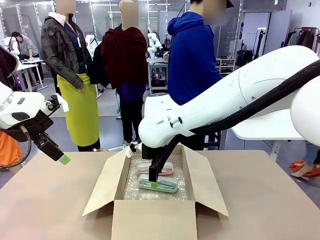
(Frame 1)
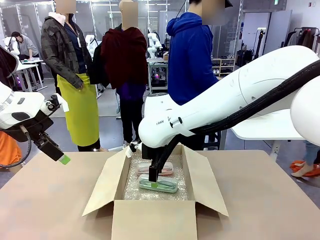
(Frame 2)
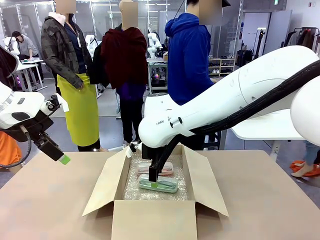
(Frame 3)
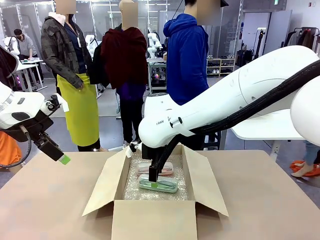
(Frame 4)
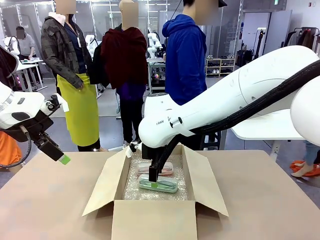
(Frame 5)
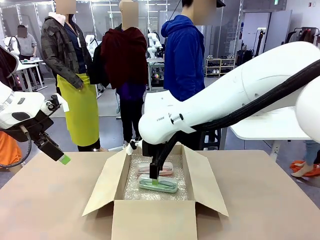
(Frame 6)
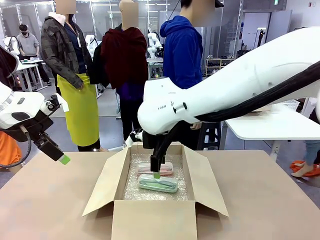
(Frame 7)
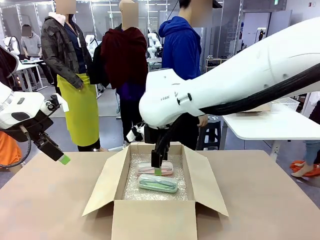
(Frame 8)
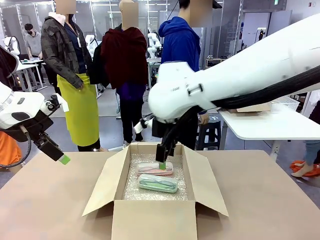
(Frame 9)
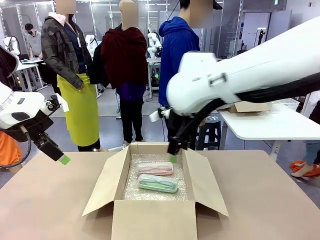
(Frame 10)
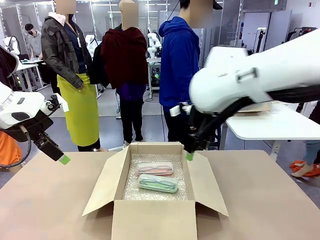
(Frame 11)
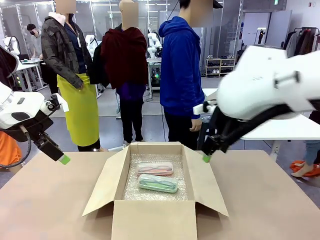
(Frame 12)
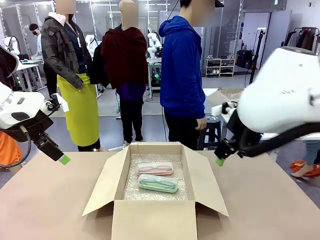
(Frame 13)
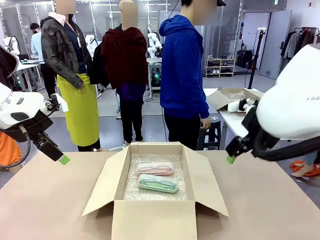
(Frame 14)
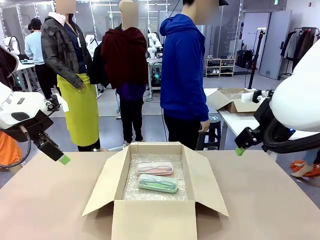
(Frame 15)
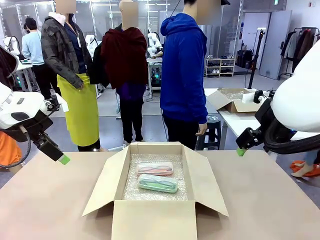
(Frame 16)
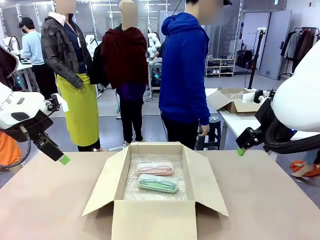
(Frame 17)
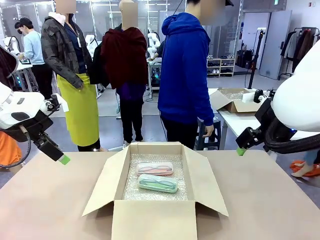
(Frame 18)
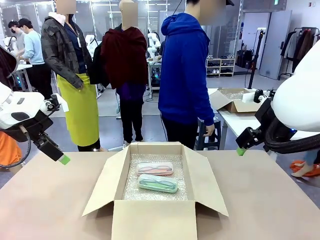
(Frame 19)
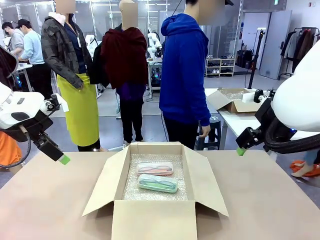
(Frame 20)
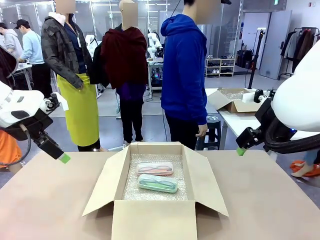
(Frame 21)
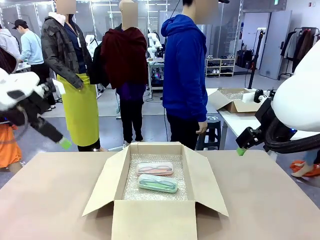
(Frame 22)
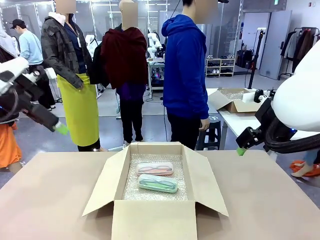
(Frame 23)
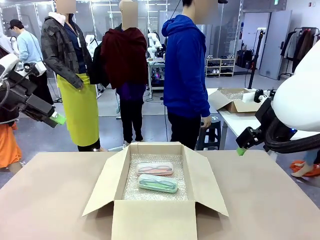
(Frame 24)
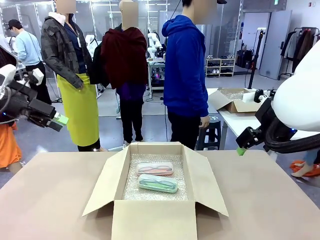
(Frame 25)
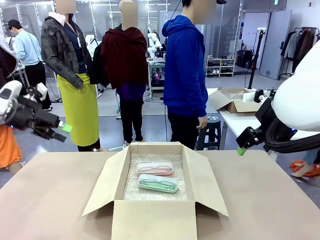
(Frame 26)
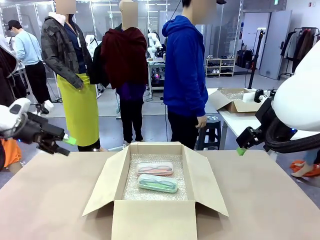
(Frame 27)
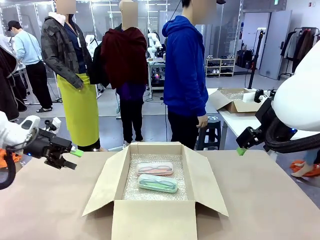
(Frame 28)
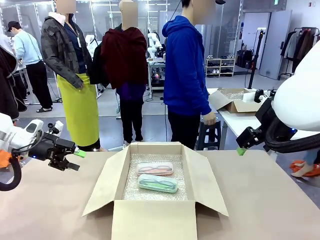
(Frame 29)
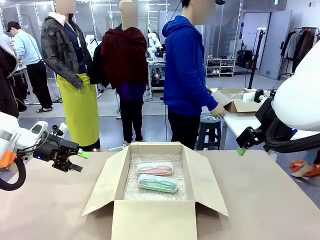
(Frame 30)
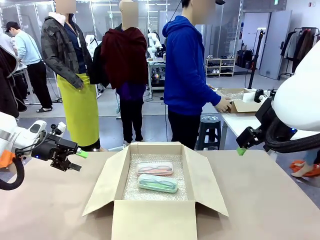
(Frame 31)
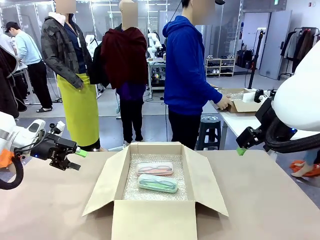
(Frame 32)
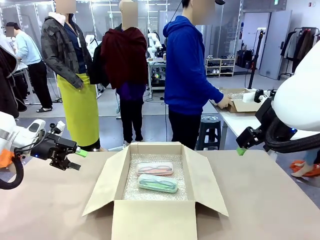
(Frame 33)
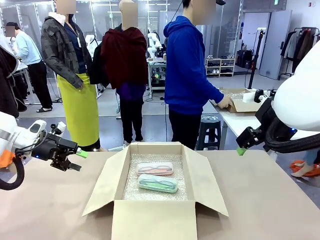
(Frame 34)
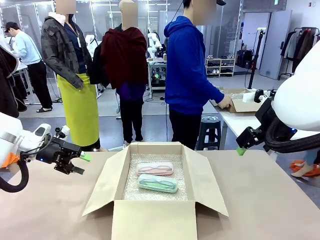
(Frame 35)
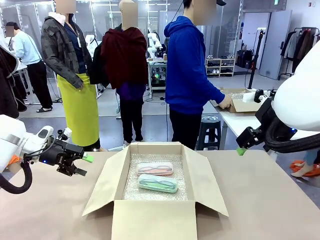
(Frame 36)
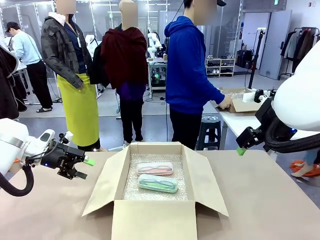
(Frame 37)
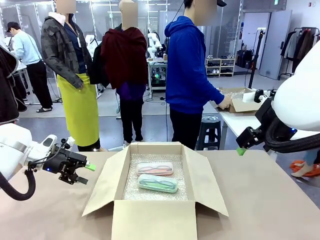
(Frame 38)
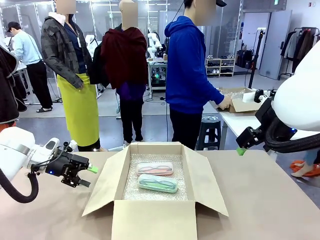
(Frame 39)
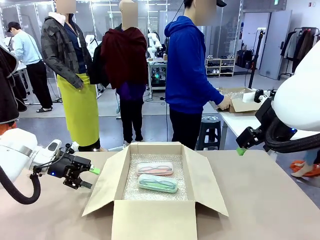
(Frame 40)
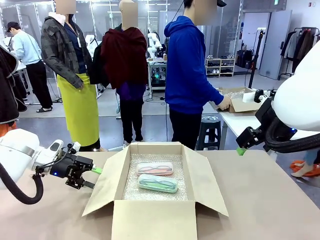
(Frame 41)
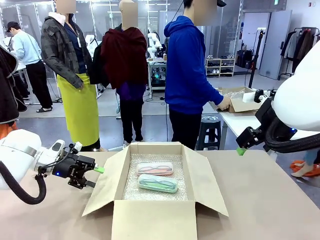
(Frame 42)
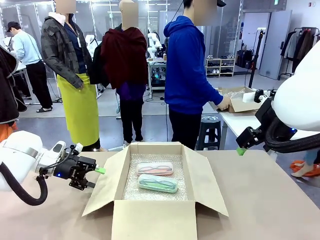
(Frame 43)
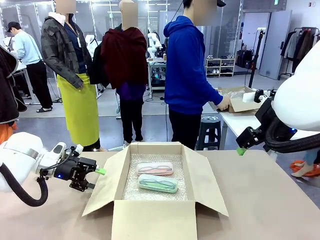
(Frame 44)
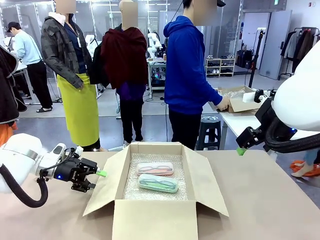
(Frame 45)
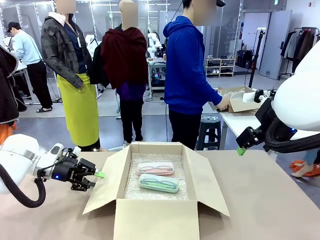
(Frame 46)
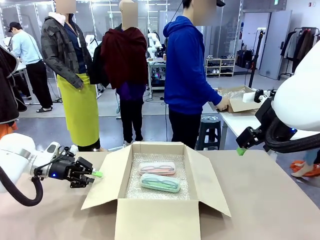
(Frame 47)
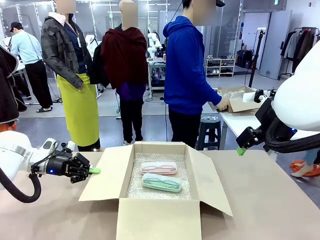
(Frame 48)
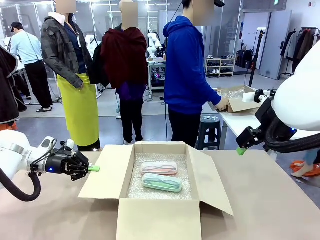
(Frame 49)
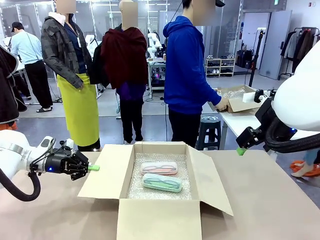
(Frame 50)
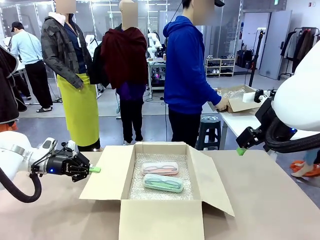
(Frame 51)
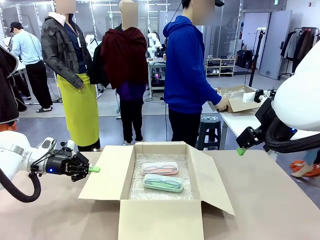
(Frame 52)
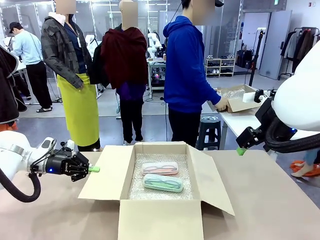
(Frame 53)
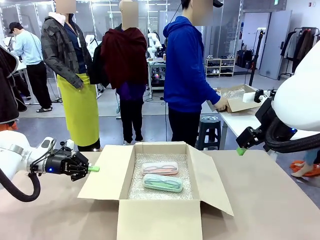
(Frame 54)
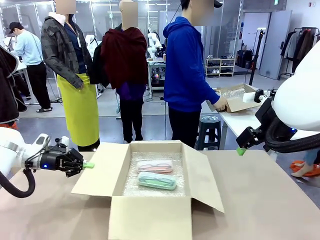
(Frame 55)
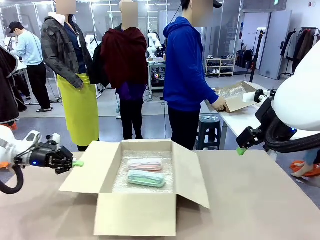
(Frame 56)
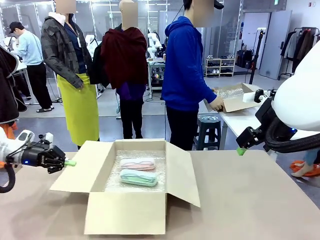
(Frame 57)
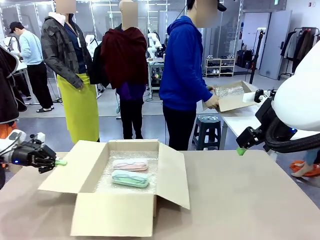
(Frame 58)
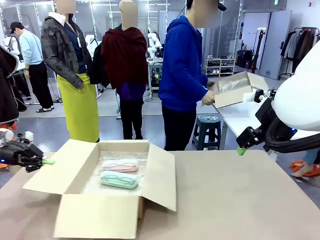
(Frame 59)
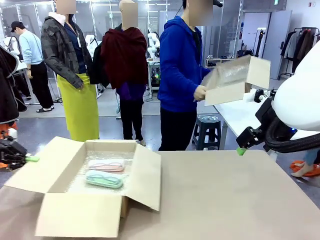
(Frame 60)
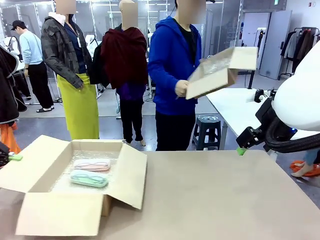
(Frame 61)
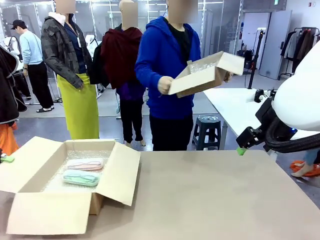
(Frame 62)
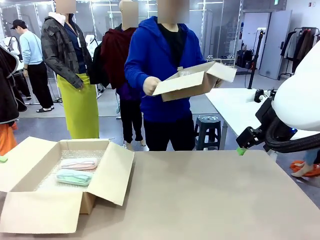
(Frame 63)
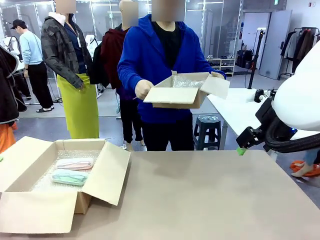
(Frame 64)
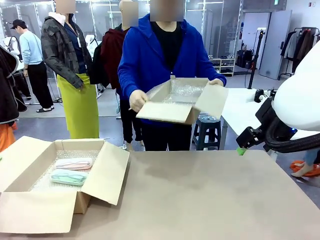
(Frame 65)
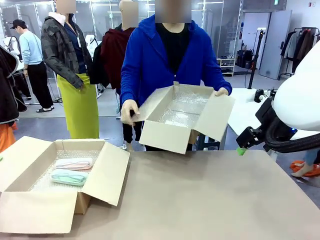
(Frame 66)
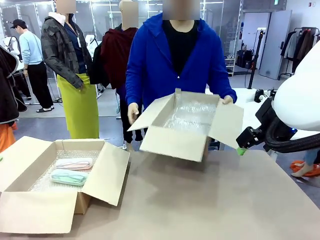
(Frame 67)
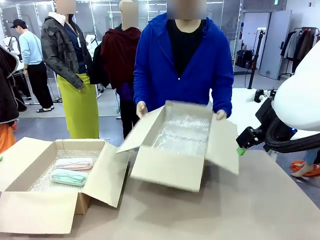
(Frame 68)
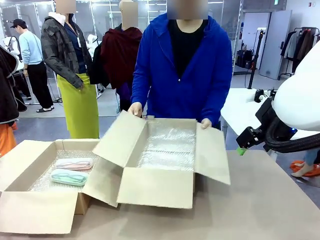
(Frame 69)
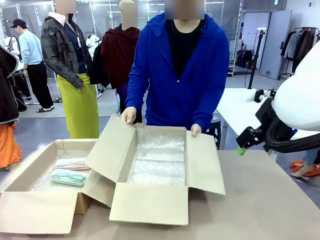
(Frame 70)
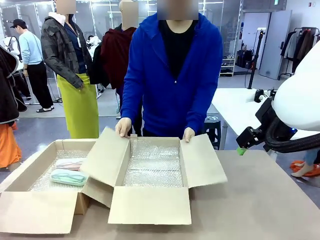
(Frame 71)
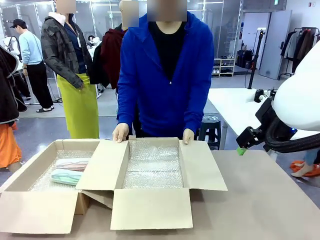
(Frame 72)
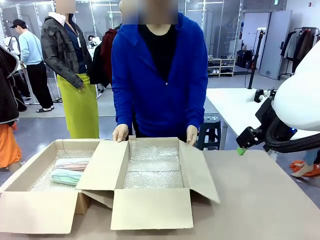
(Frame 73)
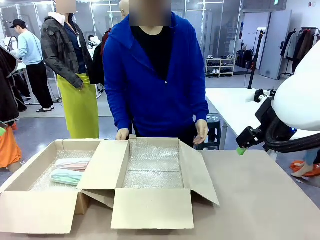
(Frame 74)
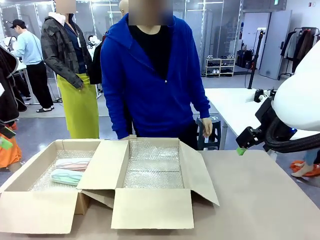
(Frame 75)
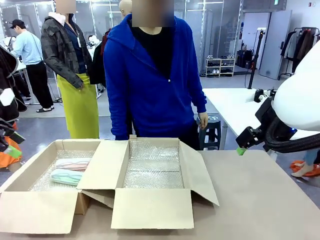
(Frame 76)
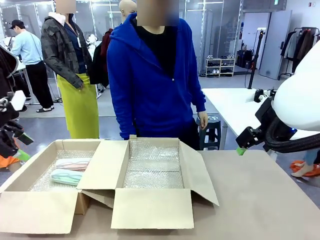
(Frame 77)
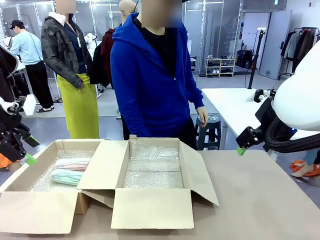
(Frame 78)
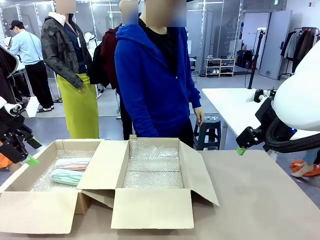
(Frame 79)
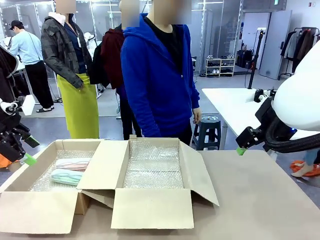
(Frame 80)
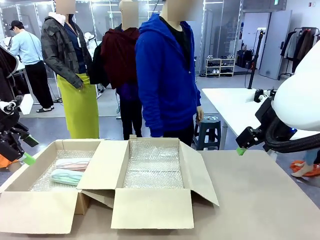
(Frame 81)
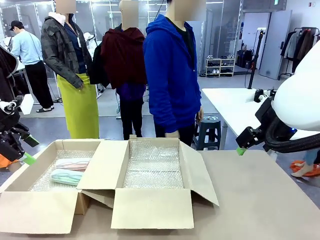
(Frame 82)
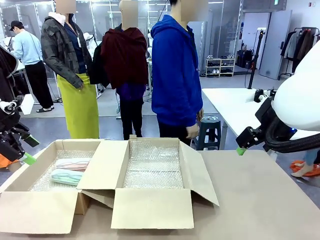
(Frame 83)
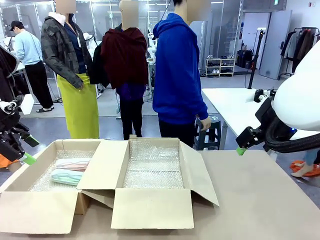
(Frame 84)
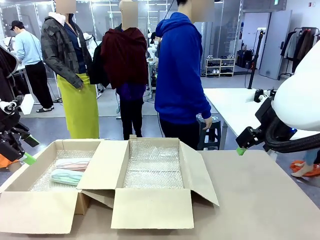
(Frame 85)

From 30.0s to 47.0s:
Task: Pack the glasses set securely to prepare it for shipping.
Robot: Position the Package Box on the left side of the table.
Person: Position the empty Package Box in the middle of the robot's table.
